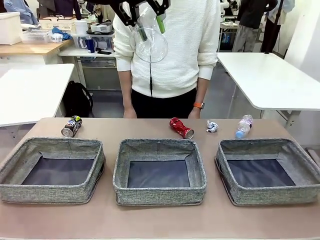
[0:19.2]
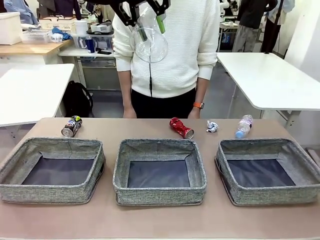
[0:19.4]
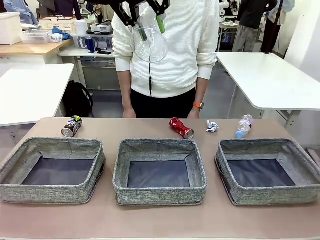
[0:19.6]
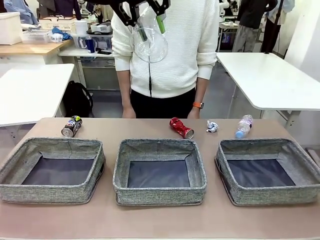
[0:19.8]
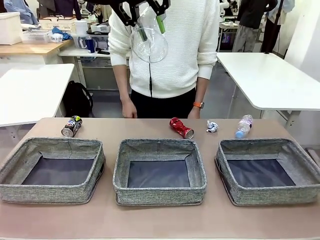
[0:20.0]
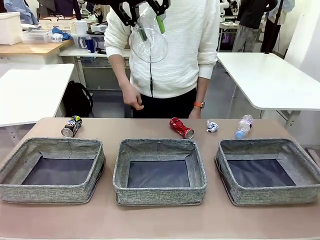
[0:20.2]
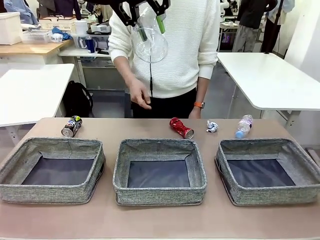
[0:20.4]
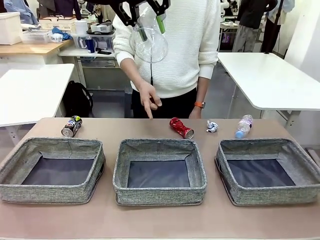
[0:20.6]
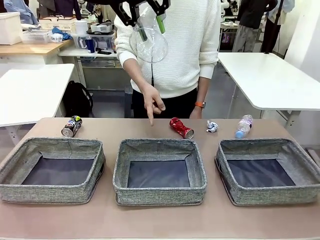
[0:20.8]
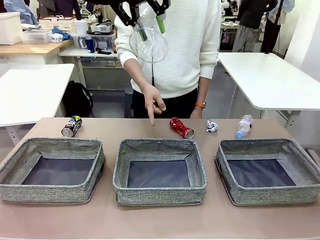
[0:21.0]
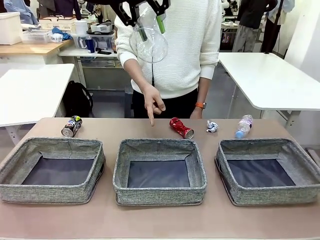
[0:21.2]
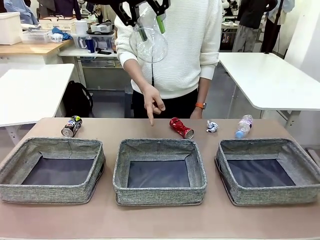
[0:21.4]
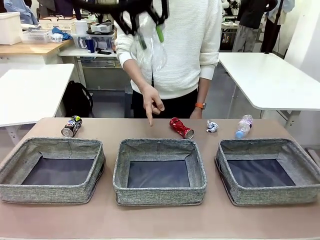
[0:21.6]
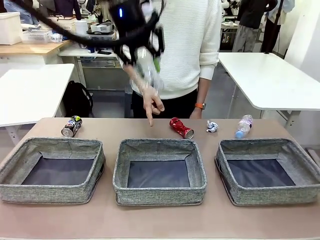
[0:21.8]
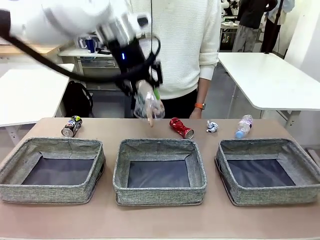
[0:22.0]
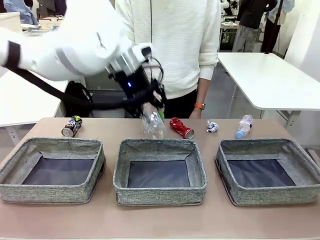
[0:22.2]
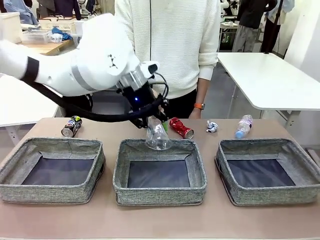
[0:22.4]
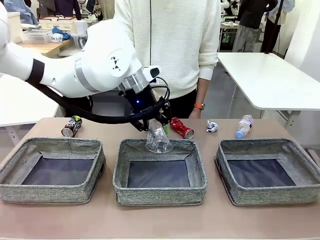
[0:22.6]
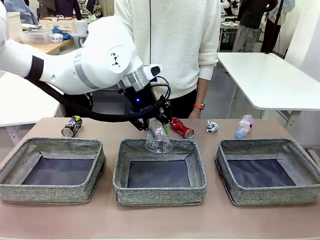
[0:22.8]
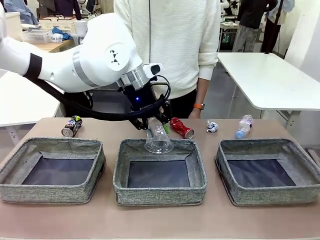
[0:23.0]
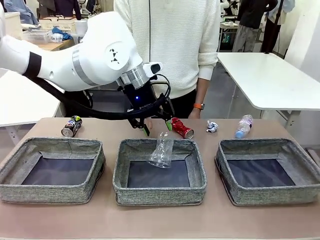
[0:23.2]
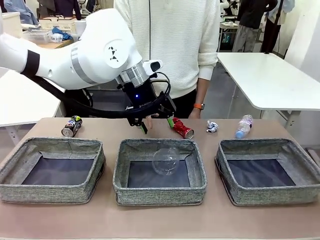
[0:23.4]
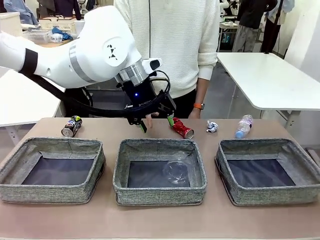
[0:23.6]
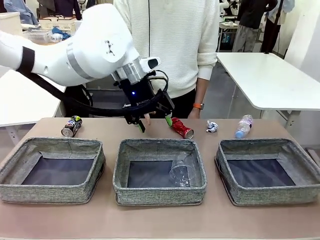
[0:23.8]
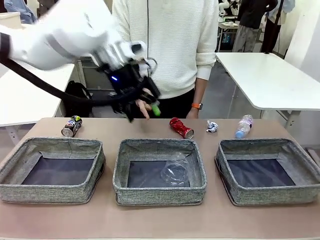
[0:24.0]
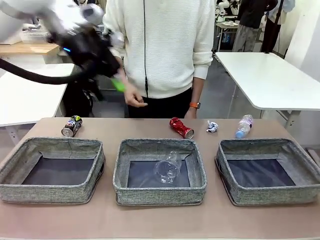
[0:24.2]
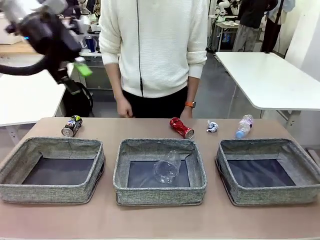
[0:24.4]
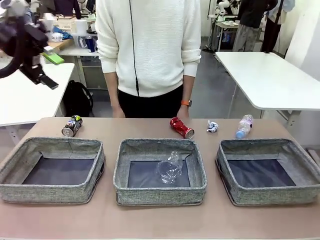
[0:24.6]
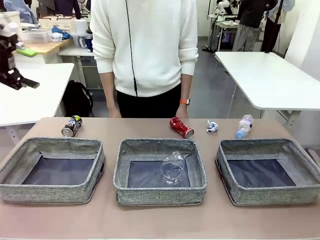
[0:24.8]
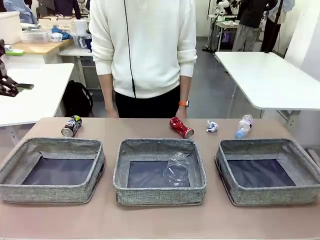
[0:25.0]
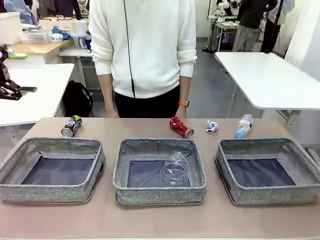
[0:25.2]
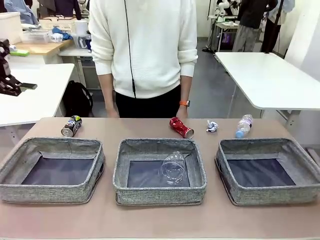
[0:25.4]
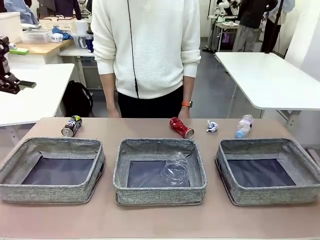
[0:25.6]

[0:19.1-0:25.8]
Task: Sort the waste into the appropriate baskets.
Robot: Place the picked waste into the Fabric basket indicated by the person.
Person: Instructs the robot to place the picked-up trash into the appropriate organizing basket.

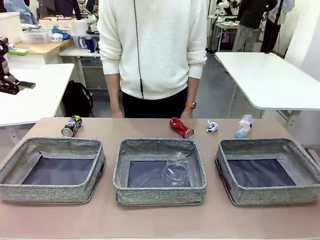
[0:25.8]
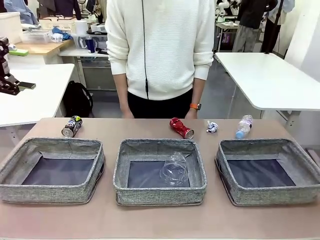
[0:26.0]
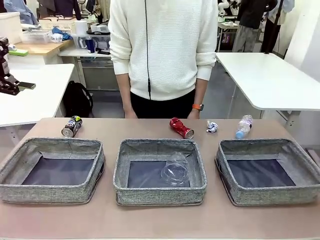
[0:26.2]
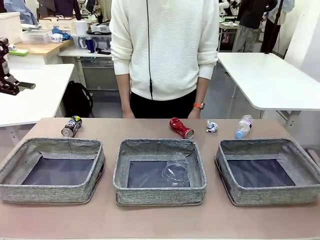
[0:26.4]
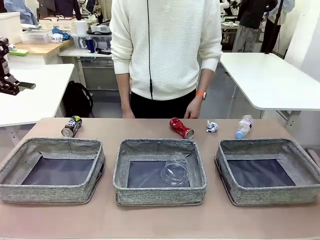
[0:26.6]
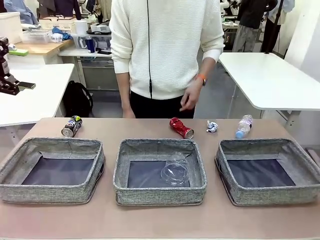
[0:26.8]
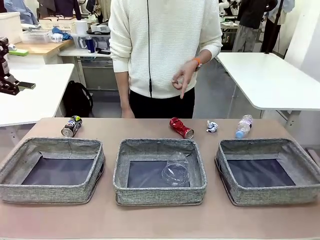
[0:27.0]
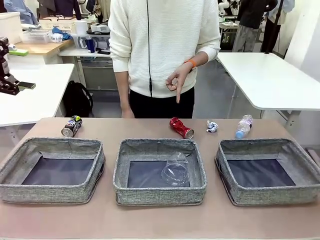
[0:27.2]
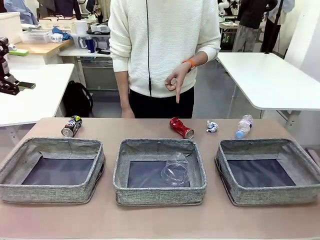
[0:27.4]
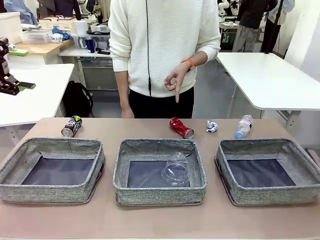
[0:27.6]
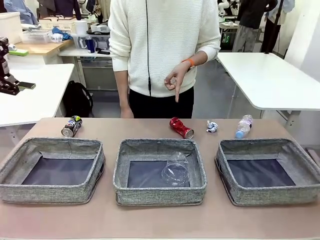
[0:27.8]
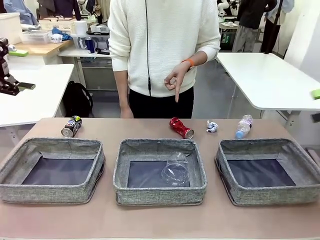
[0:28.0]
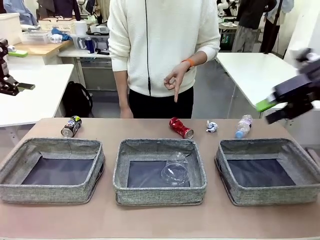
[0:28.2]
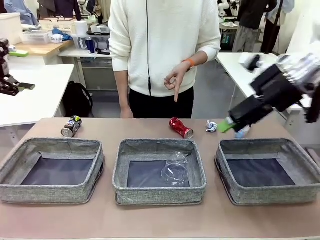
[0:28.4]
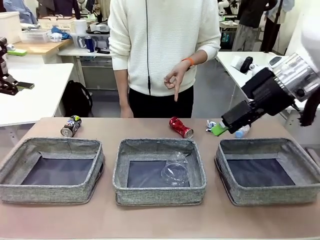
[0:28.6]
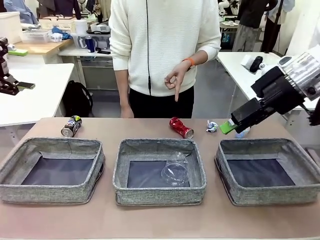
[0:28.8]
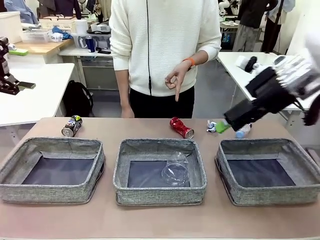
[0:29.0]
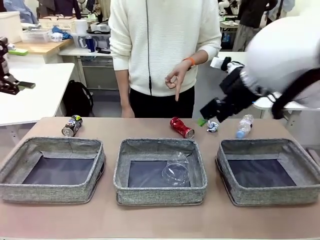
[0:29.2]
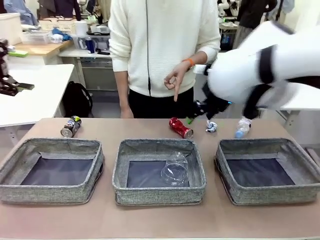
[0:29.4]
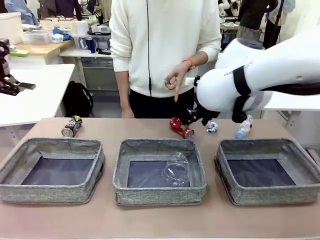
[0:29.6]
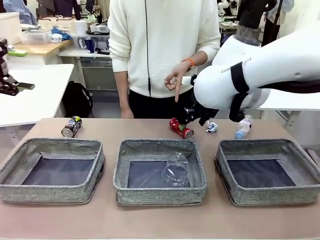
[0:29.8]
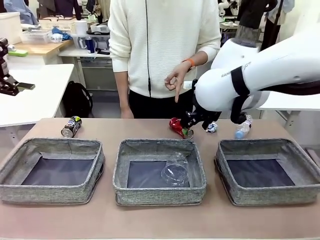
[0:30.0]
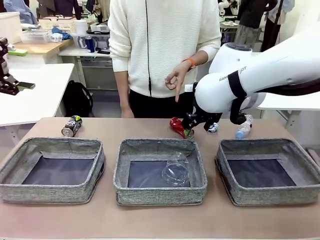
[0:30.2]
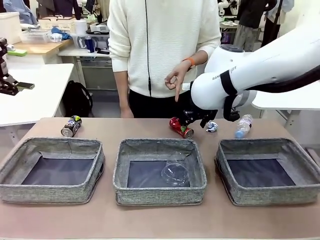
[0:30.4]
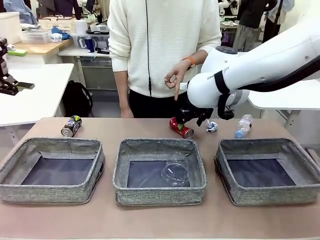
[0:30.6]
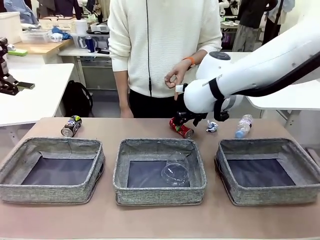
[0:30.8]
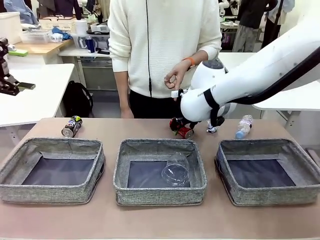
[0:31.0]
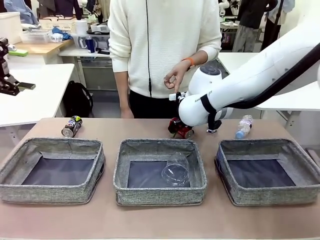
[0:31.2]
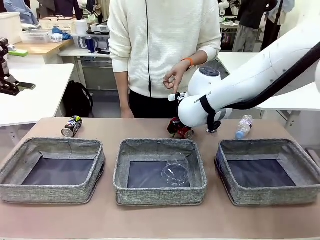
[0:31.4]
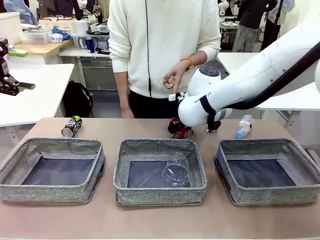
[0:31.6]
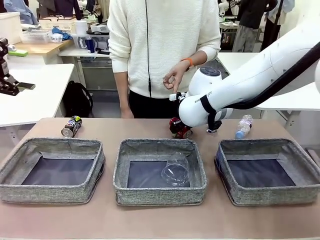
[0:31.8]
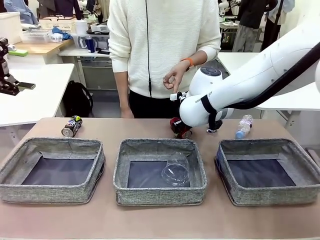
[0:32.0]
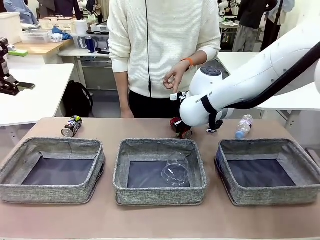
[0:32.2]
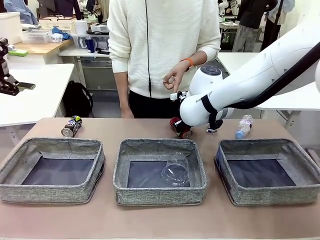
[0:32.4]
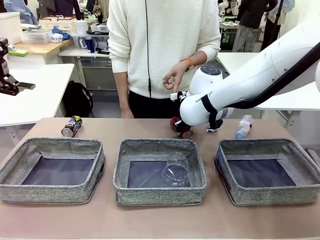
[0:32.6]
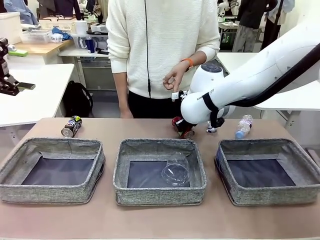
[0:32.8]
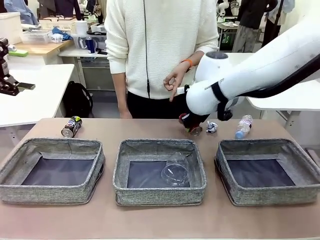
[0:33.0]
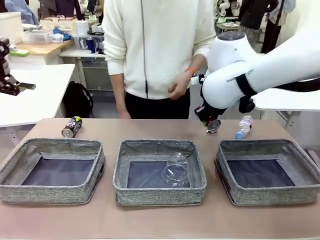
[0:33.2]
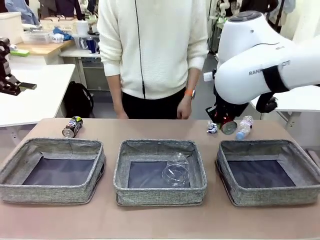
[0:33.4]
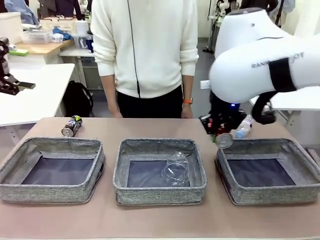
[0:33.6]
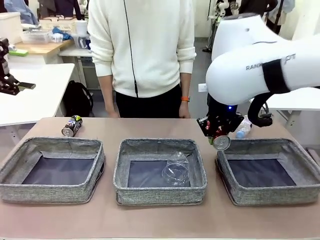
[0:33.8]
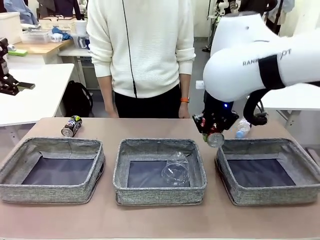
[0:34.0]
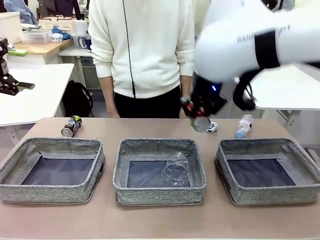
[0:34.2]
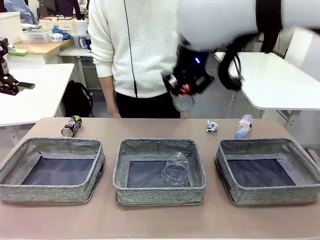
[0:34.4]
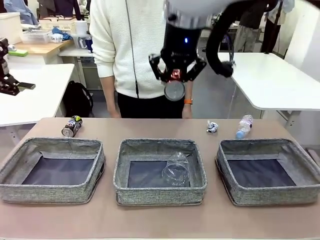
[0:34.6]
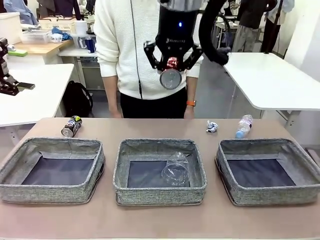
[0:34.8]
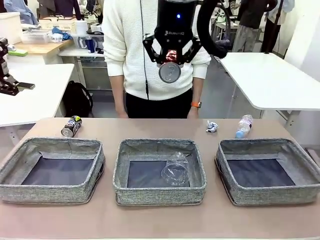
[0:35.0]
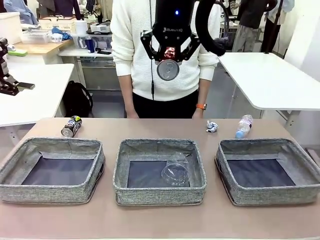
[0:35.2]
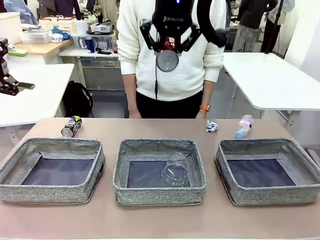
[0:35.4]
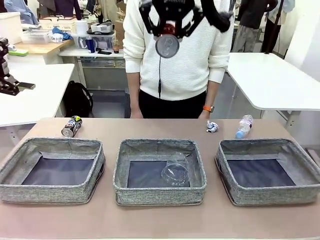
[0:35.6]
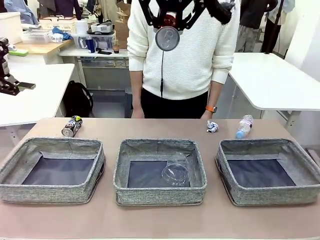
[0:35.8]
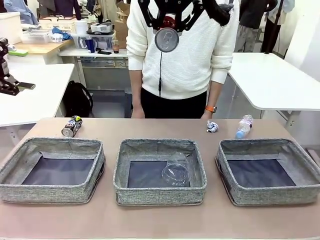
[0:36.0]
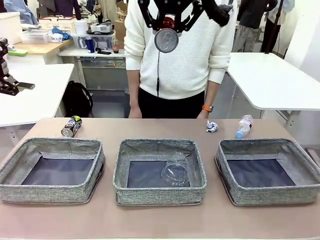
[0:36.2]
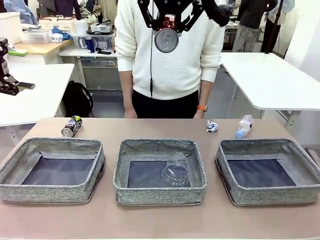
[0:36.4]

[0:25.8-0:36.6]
Robot: Pick up the waste item pointed out by the person.
Person: Points to one piece of trash on the table.

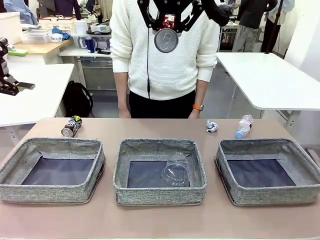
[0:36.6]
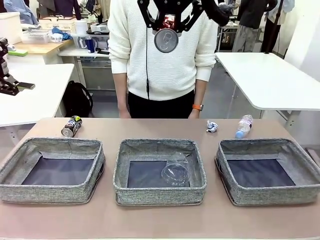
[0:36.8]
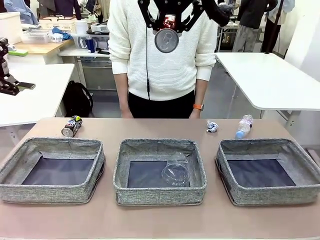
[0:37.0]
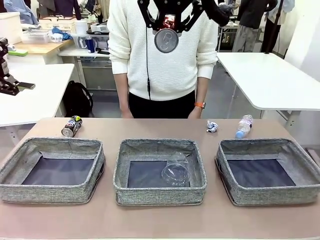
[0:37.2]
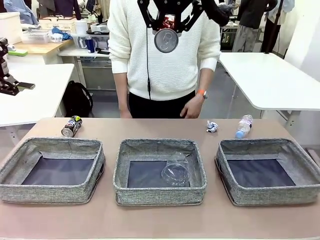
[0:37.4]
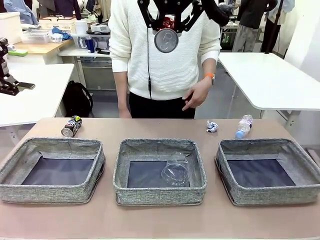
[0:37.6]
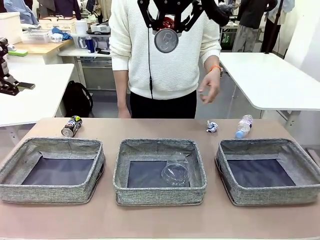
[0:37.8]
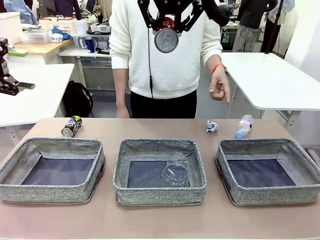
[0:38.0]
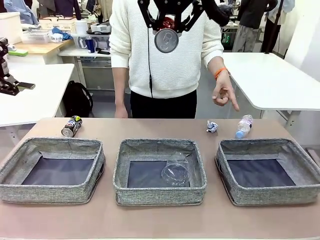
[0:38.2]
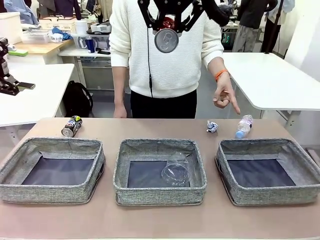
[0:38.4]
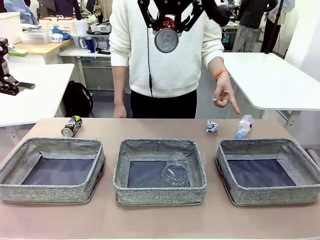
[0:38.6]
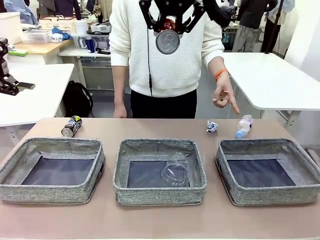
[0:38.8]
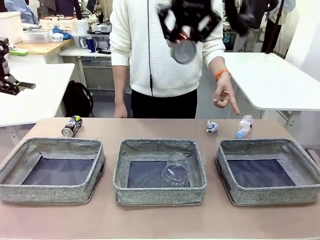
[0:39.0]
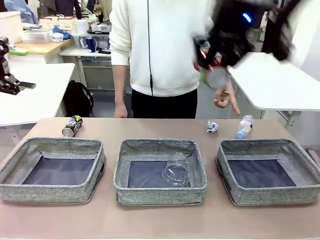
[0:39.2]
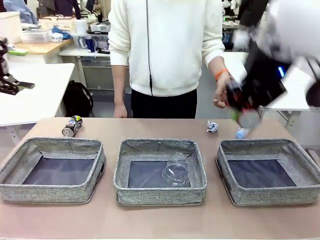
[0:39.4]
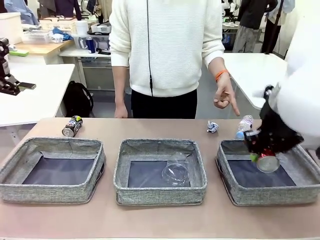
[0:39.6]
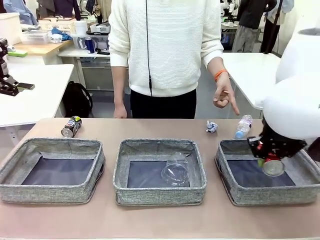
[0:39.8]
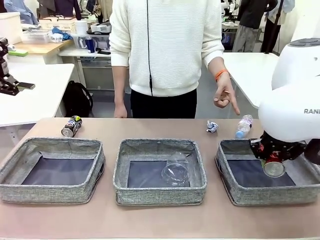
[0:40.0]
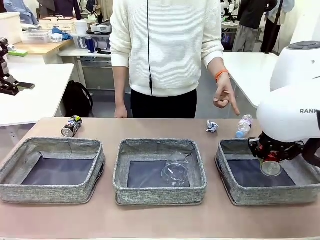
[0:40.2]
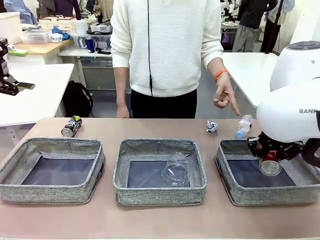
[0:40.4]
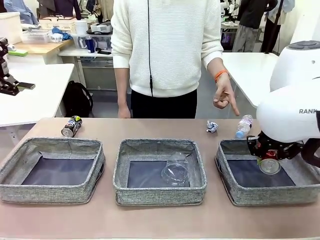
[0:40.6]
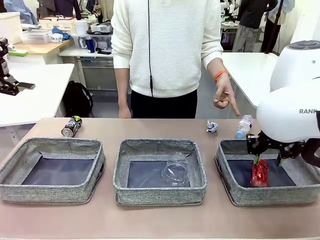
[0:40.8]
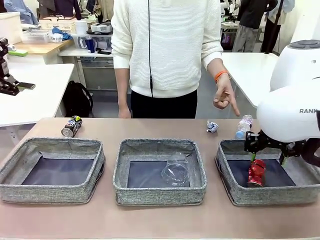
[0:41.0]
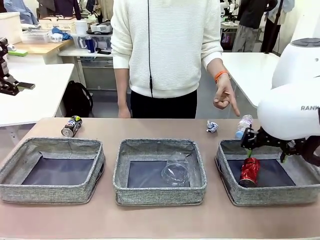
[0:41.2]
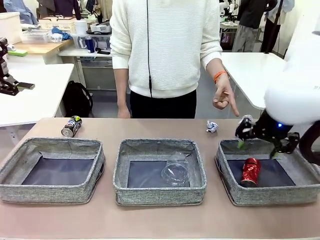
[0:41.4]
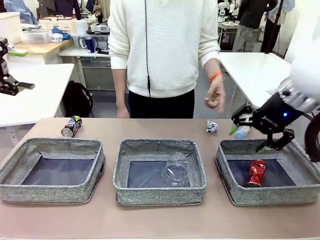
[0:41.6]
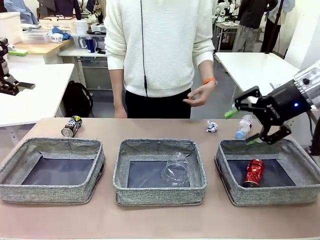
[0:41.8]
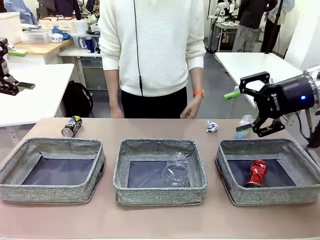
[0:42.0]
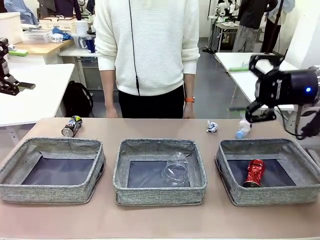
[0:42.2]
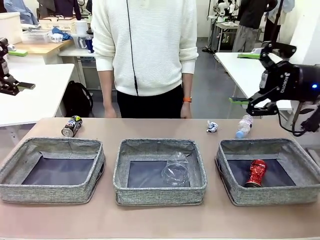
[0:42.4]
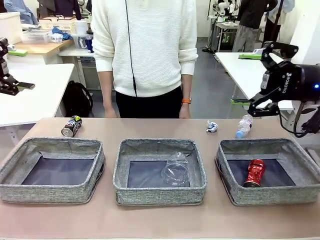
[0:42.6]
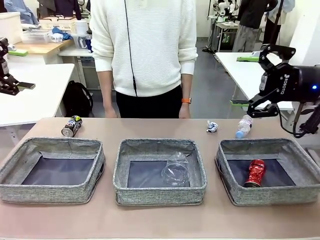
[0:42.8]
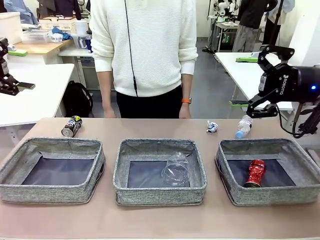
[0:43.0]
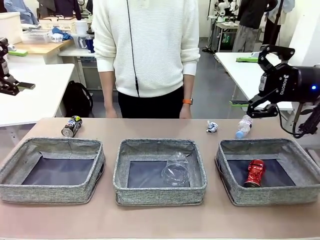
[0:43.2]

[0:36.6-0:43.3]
Robot: Place the picked waste into the Fabric basket indicated by the person.
Person: Instructs the robot to place the picked-up trash into the appropriate organizing basket.
